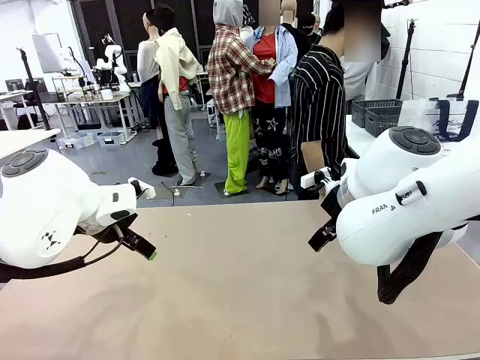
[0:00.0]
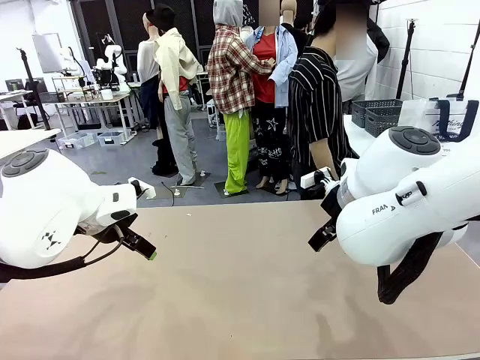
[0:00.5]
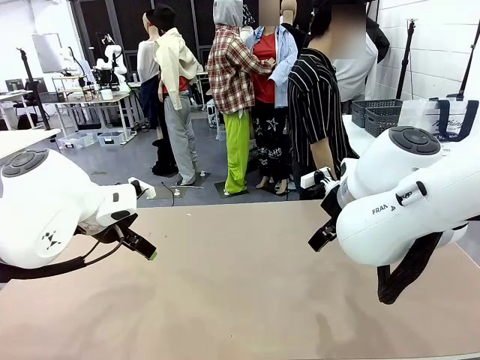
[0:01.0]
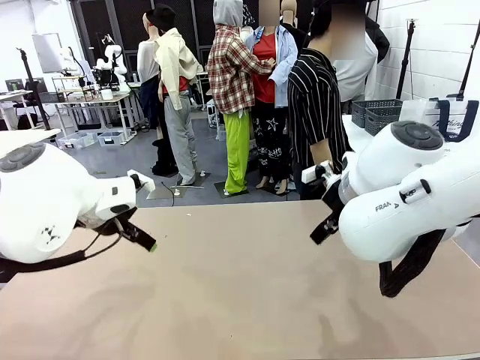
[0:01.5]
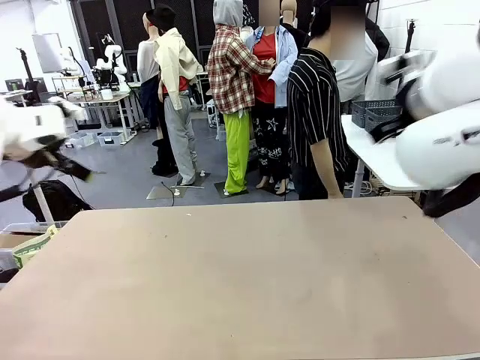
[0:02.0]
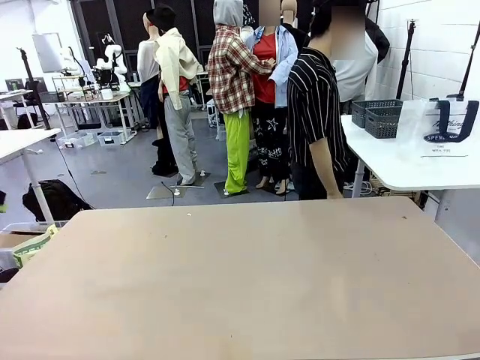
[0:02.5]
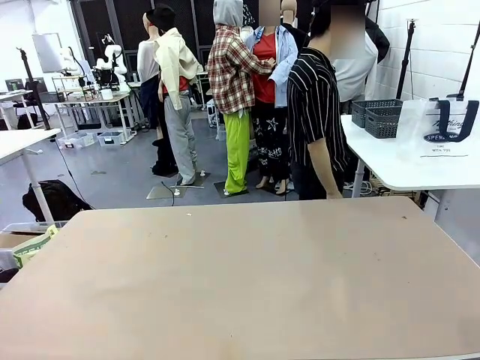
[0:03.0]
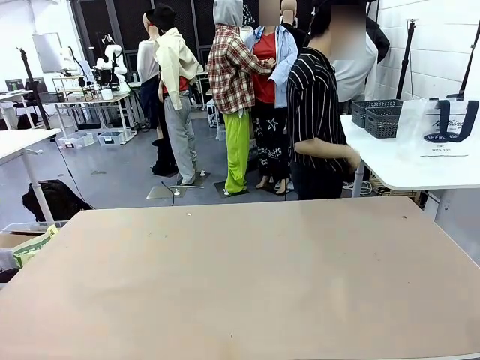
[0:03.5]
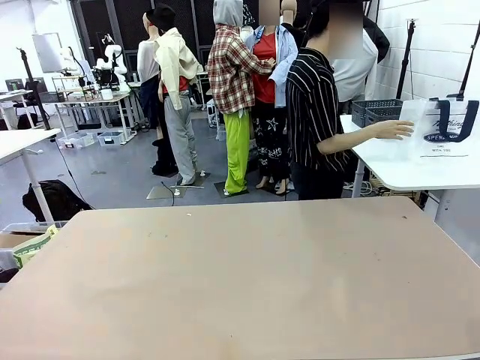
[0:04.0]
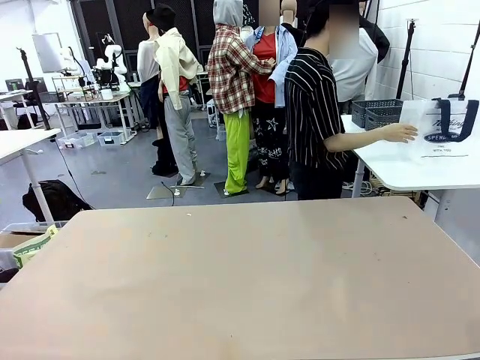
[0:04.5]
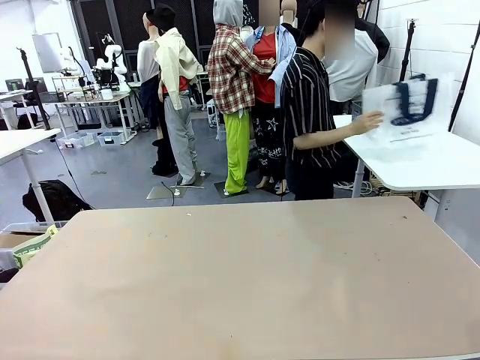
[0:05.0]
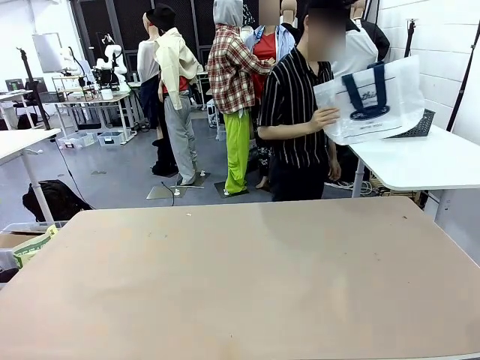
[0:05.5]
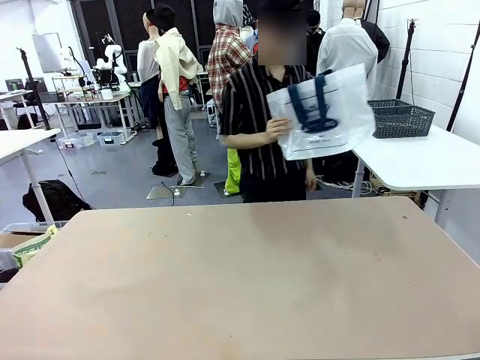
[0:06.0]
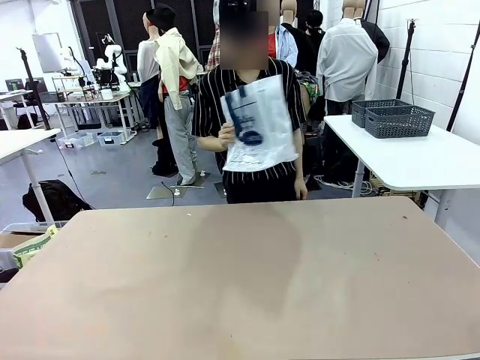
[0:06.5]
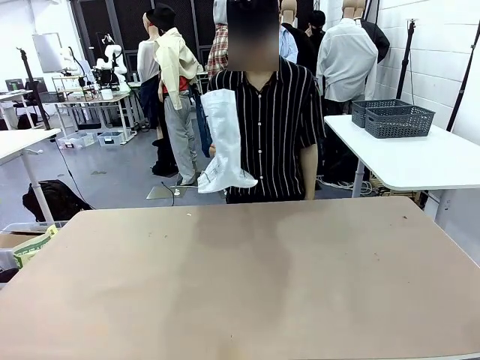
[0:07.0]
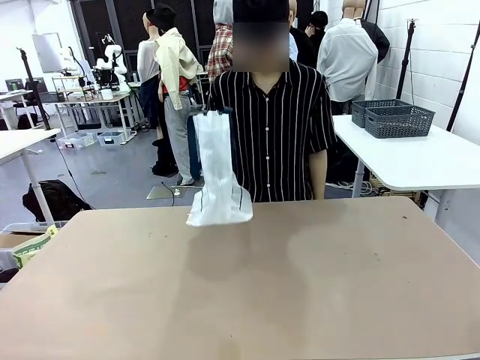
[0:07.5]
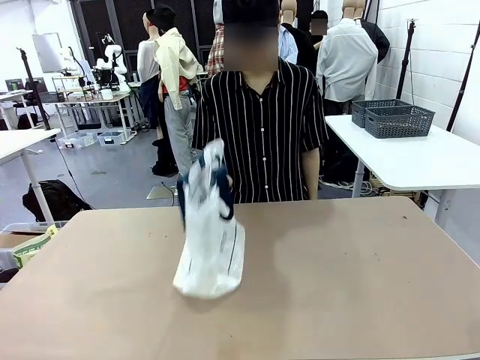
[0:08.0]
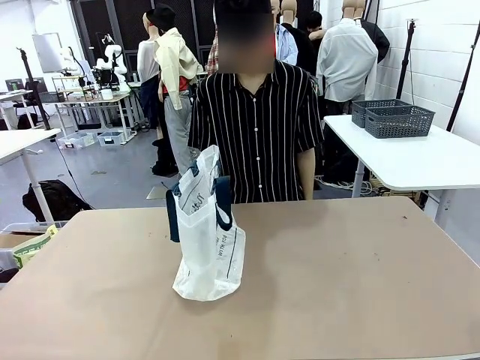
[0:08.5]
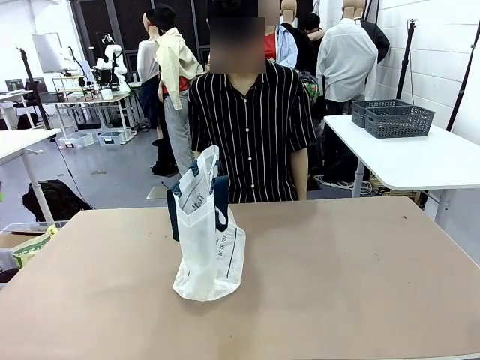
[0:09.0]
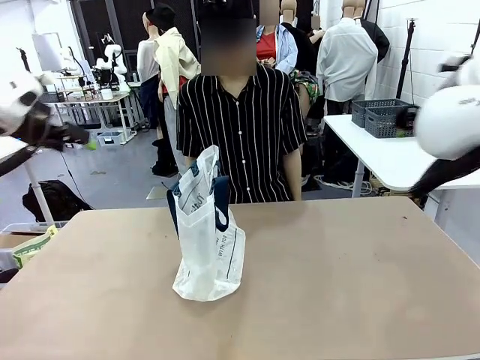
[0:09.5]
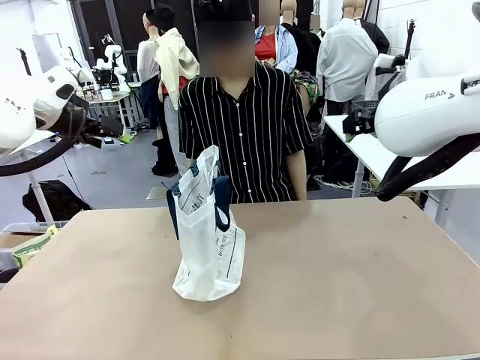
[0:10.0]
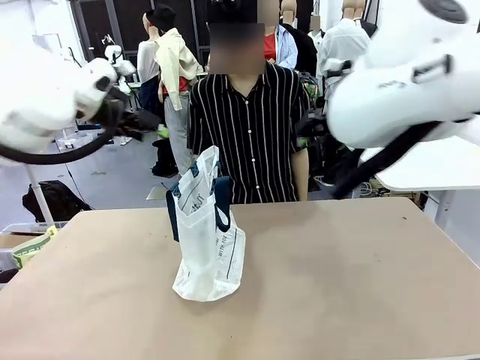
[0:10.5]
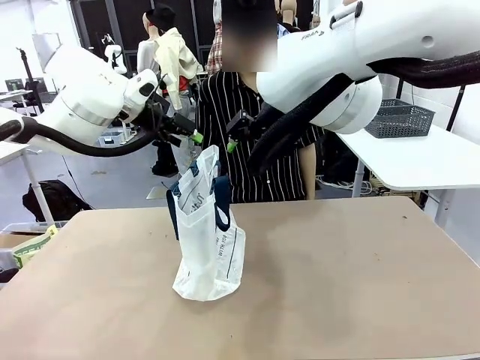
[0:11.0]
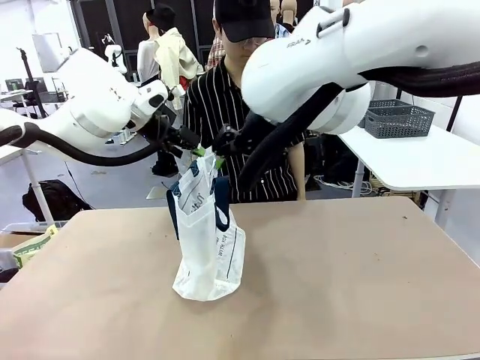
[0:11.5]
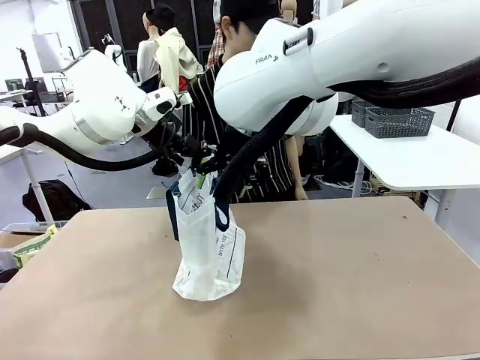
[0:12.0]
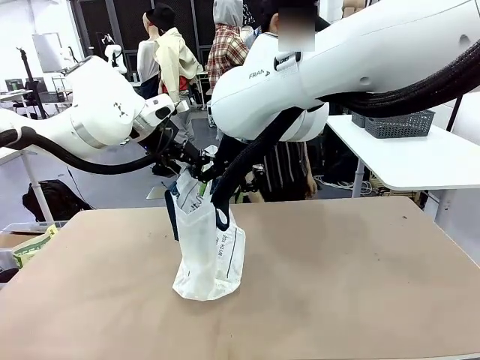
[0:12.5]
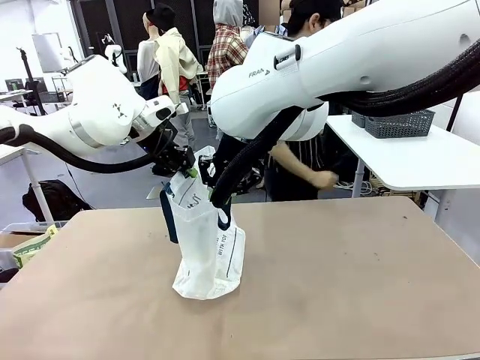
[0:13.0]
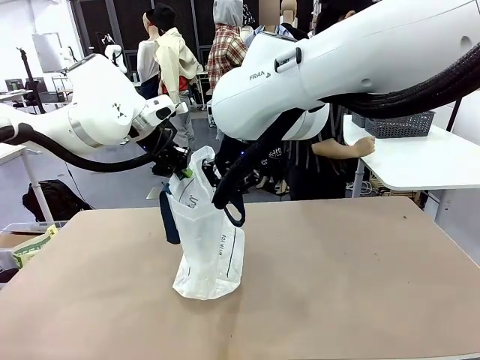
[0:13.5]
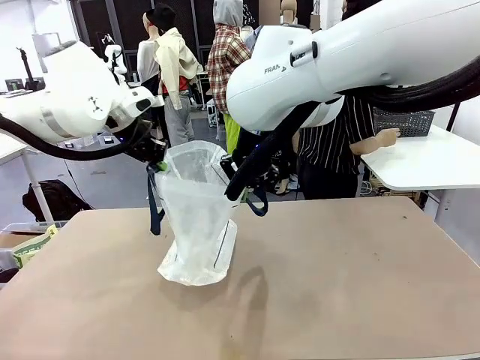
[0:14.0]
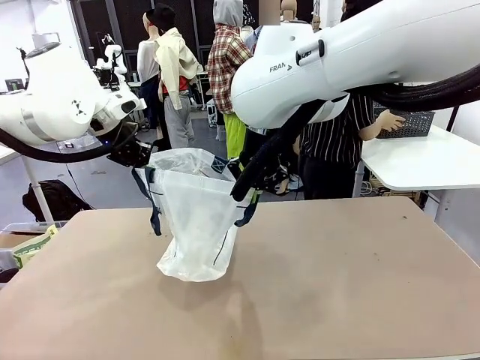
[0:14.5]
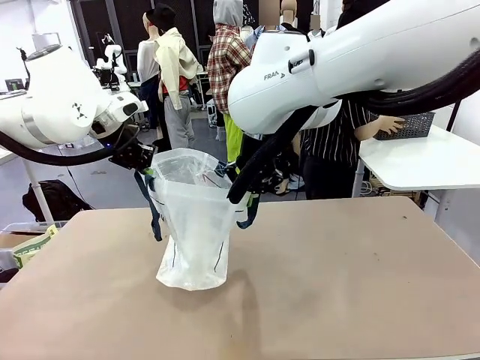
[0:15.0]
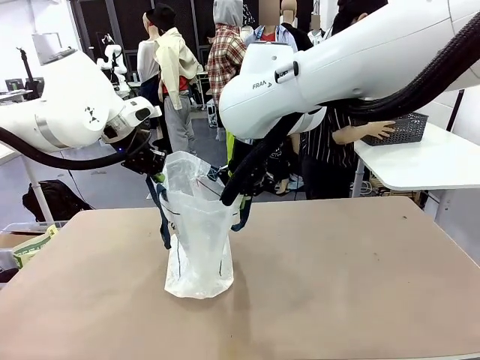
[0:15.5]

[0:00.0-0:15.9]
Task: Transfer purchased items from the store into the shopping bag.
Robot: Open the Reusable shopping bag in the center of the table.
Person: Pick up the shopping bag and place it in the middle of the robot table. Pick up the basket on the right, place it on the left side of the robot table, and move the items in the basket to the shopping bag.

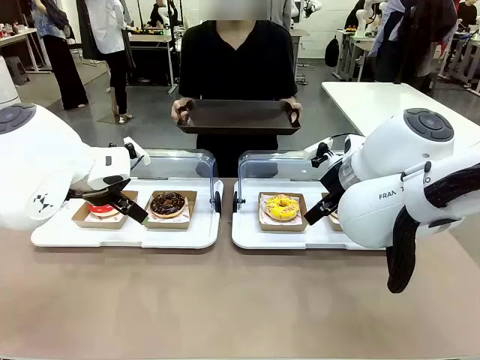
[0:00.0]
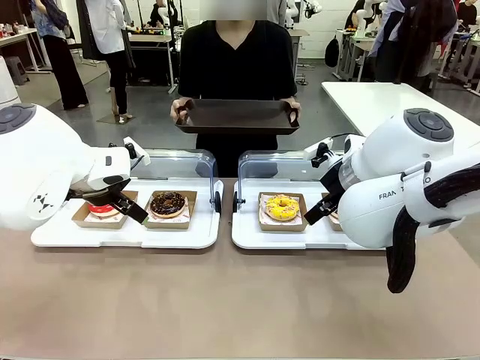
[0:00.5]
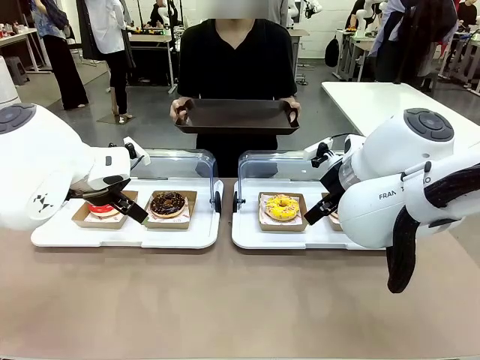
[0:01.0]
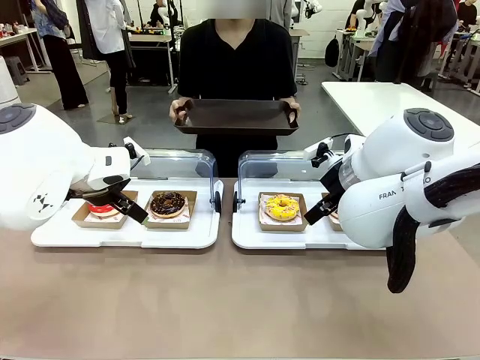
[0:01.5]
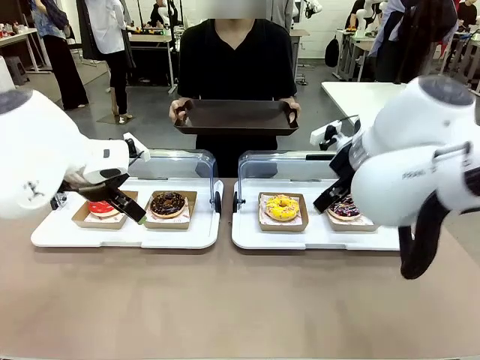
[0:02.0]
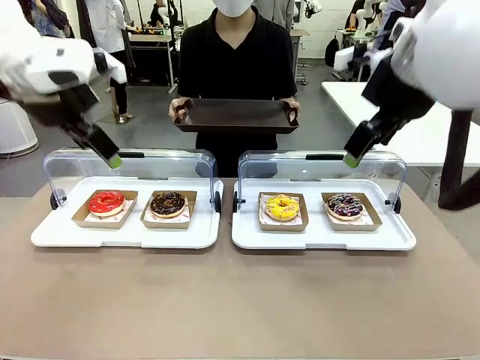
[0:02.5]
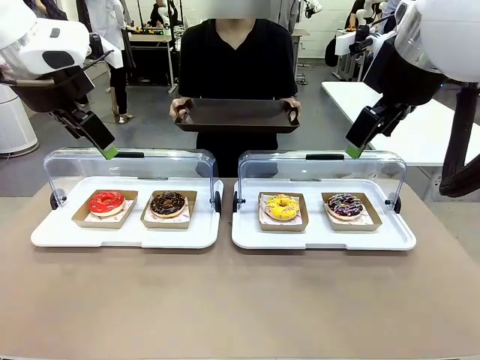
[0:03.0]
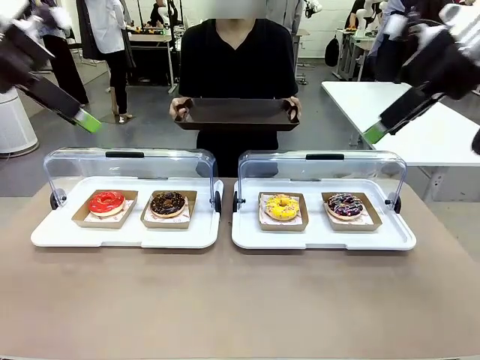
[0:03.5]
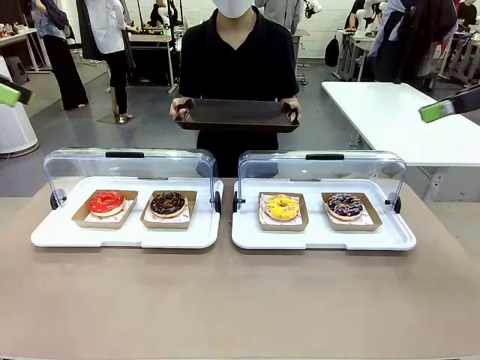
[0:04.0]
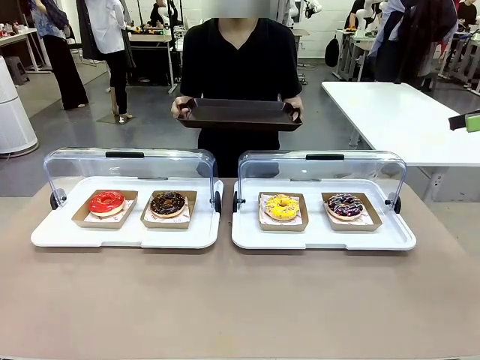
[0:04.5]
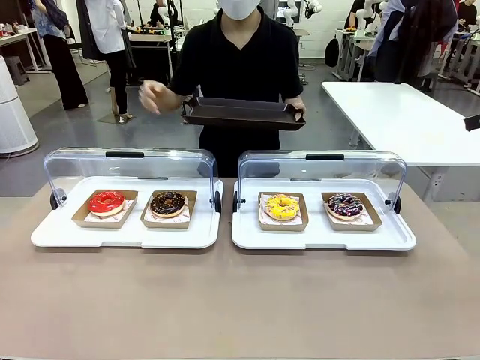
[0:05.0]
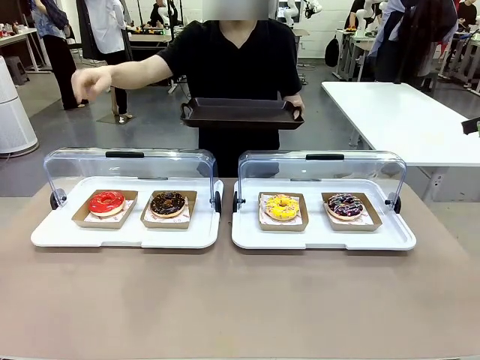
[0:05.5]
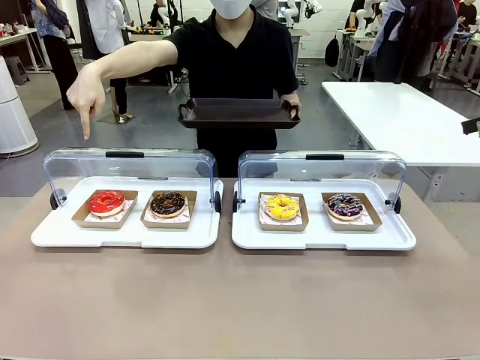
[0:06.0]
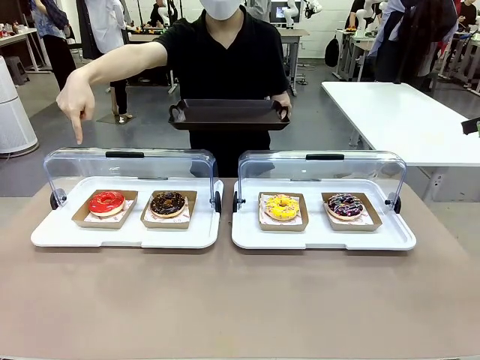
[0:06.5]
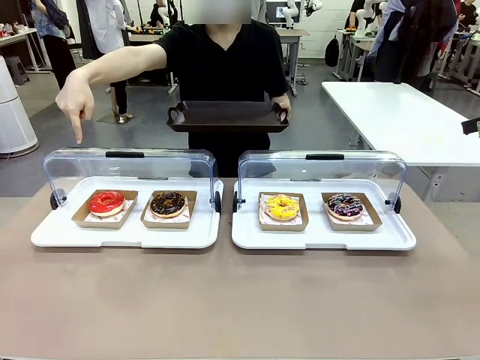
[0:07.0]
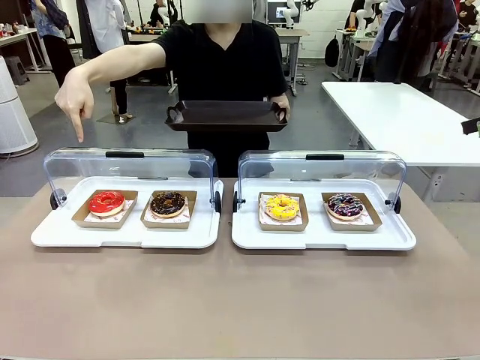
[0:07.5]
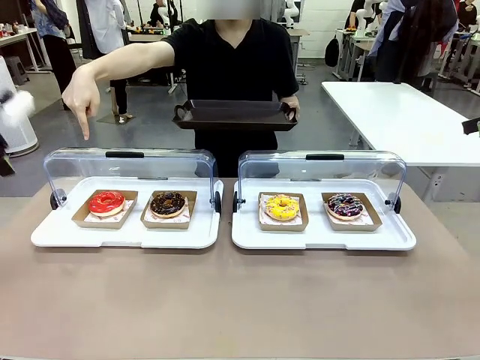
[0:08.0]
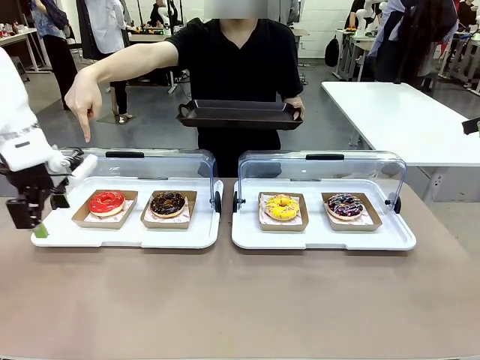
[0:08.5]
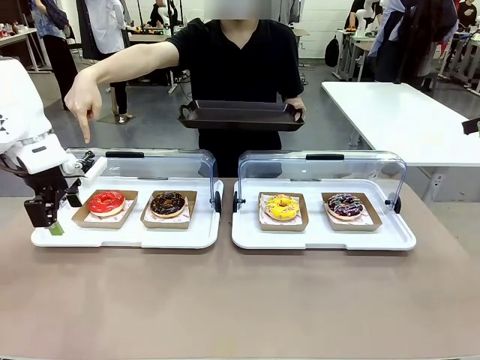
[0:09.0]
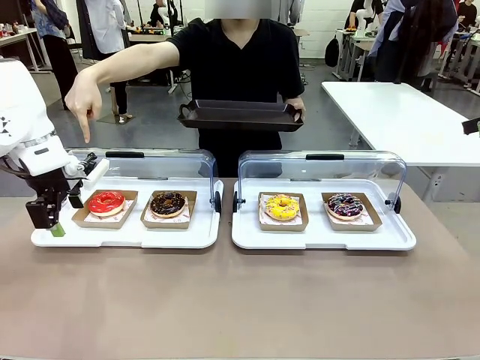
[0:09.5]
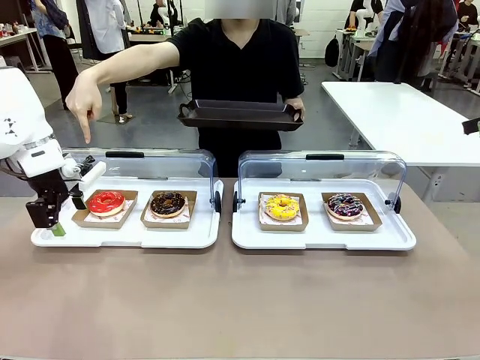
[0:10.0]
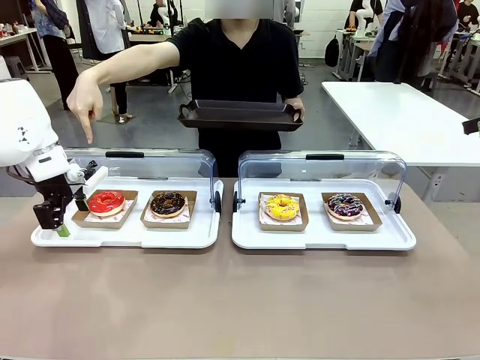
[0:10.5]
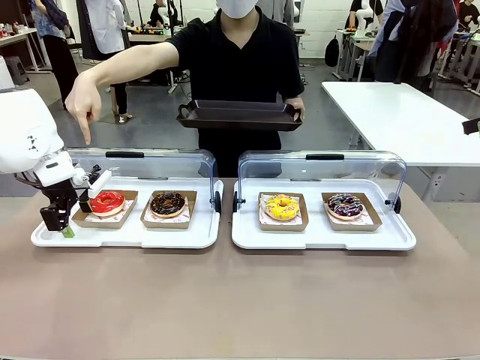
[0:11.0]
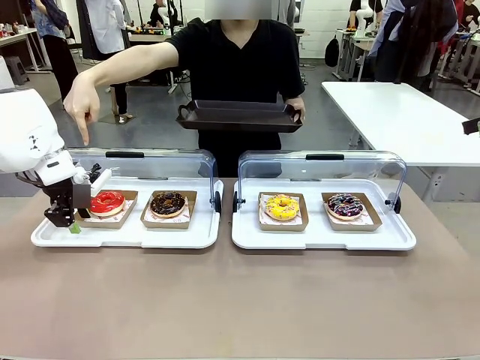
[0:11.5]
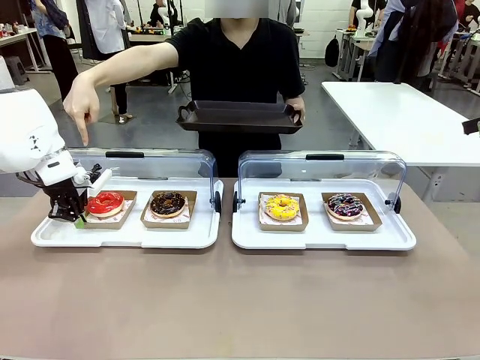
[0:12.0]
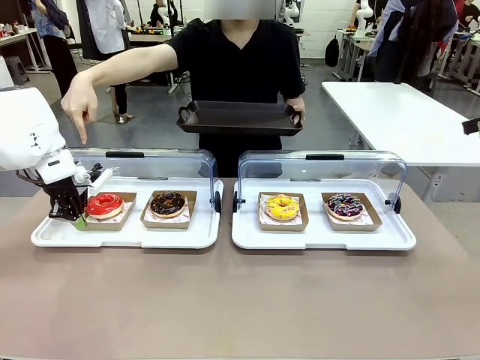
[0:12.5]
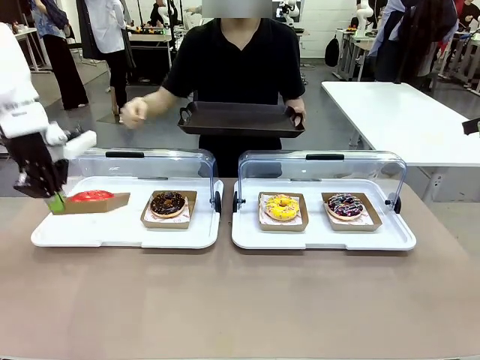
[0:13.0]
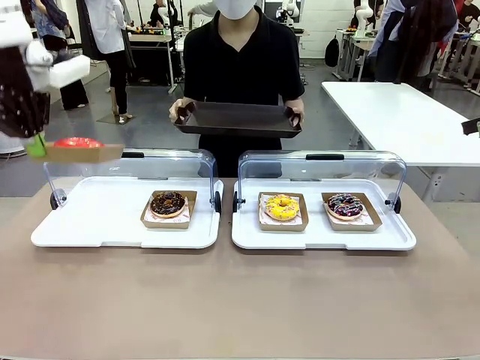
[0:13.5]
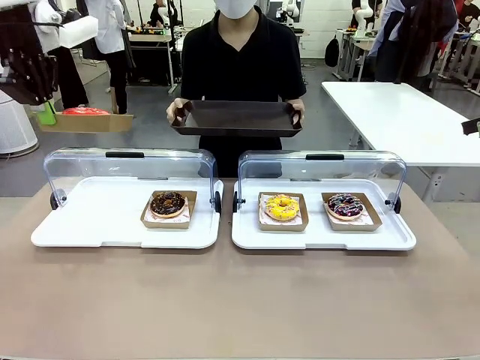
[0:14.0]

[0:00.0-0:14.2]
Task: Provide the desired donut to the person.
Robot: Pick up and lift the Paper togo box containing the Donut pointed at by the person.
Person: Point to one donut. Lift the tray onto the Roll-Top Bakery Case.
